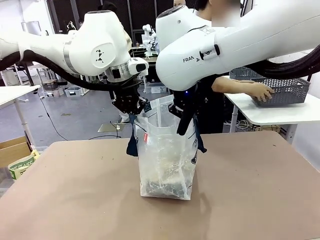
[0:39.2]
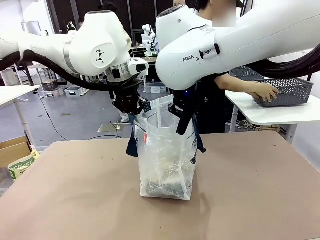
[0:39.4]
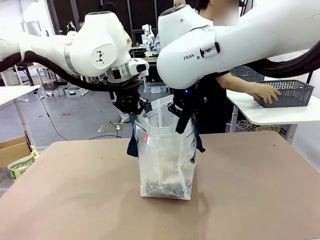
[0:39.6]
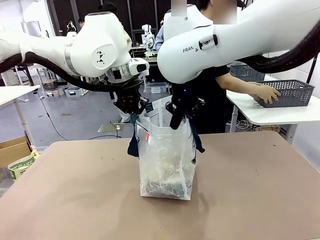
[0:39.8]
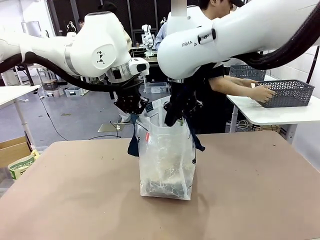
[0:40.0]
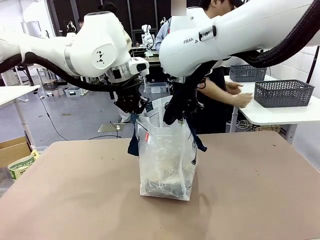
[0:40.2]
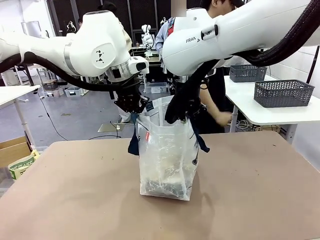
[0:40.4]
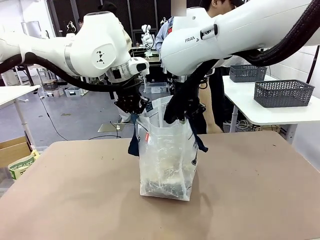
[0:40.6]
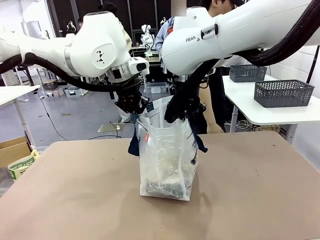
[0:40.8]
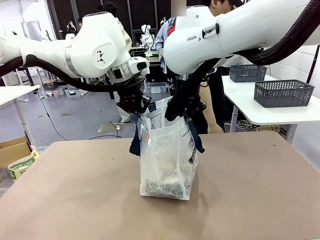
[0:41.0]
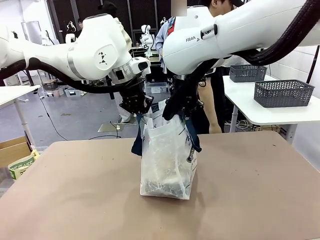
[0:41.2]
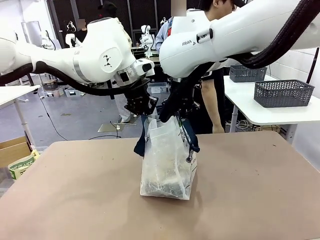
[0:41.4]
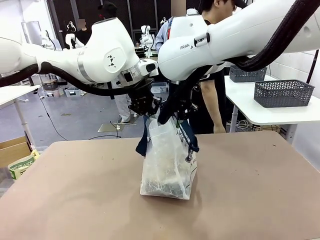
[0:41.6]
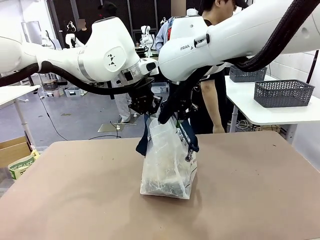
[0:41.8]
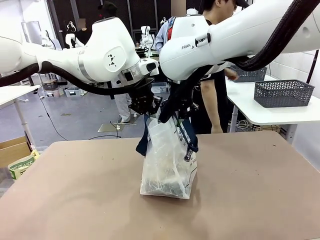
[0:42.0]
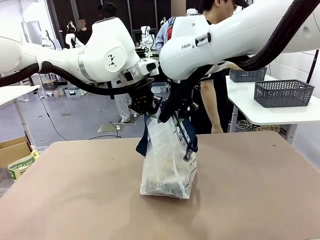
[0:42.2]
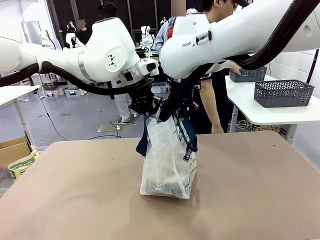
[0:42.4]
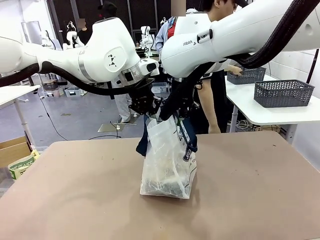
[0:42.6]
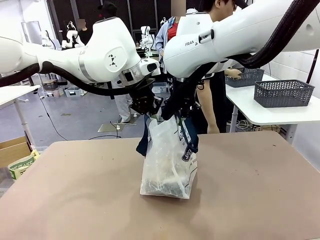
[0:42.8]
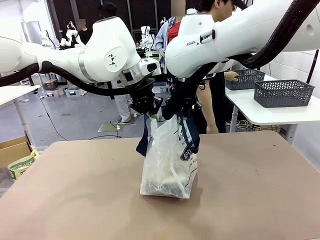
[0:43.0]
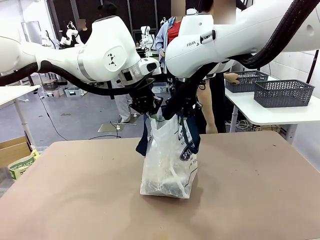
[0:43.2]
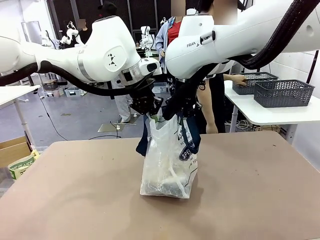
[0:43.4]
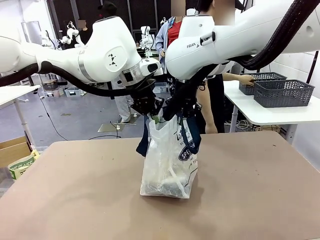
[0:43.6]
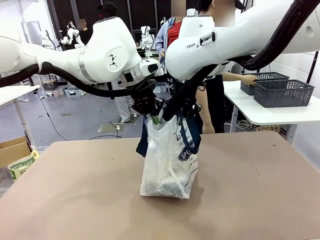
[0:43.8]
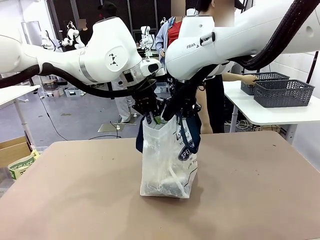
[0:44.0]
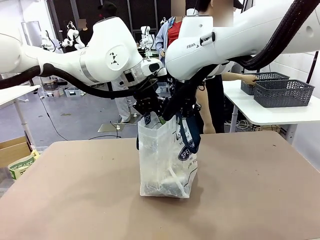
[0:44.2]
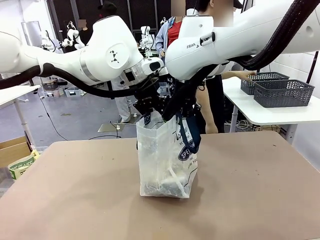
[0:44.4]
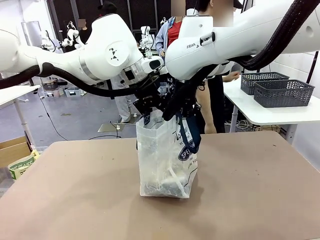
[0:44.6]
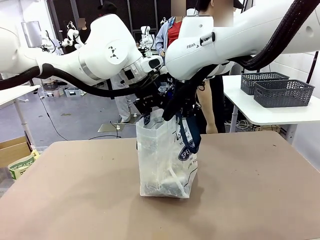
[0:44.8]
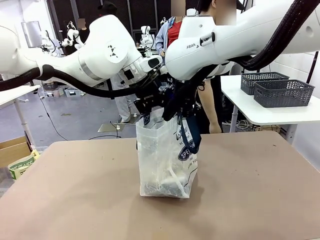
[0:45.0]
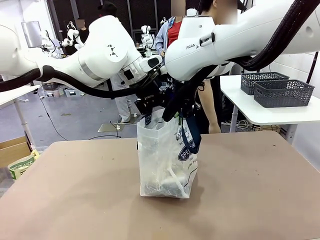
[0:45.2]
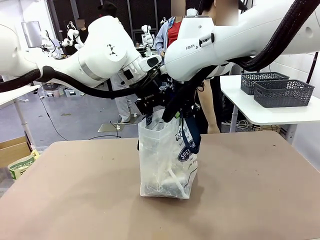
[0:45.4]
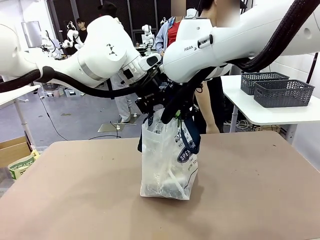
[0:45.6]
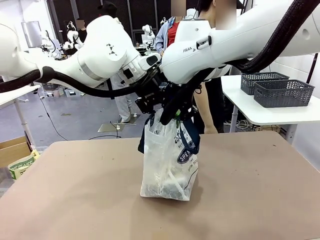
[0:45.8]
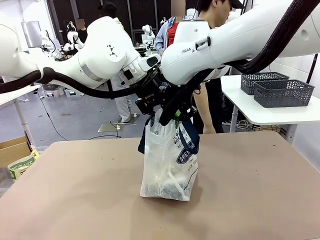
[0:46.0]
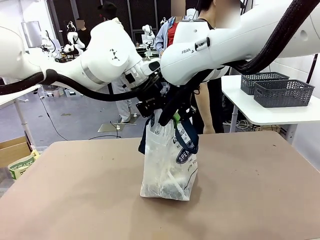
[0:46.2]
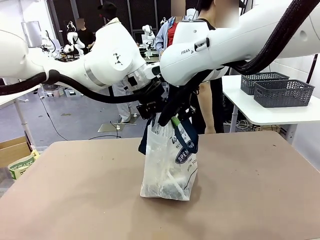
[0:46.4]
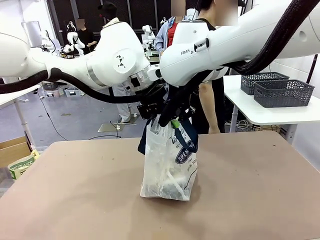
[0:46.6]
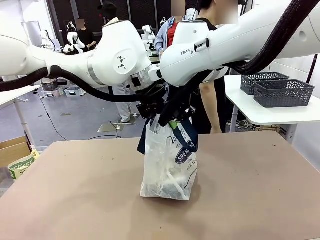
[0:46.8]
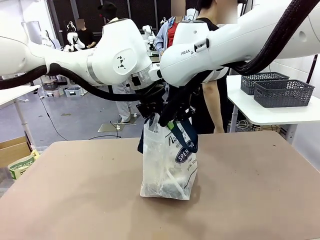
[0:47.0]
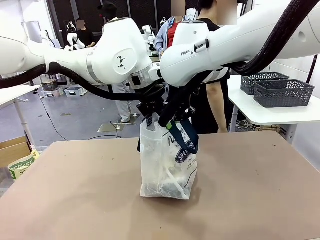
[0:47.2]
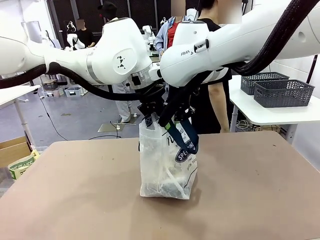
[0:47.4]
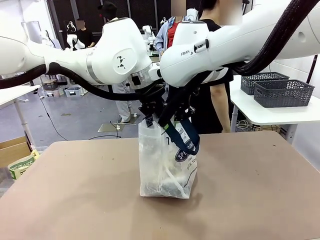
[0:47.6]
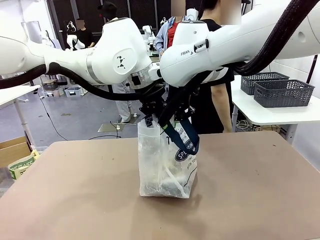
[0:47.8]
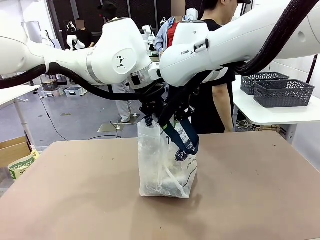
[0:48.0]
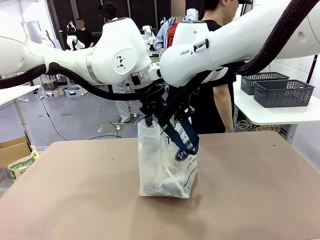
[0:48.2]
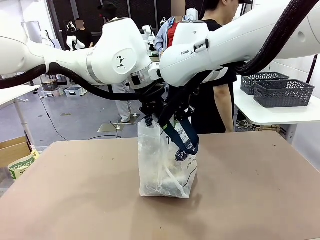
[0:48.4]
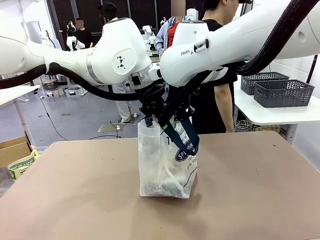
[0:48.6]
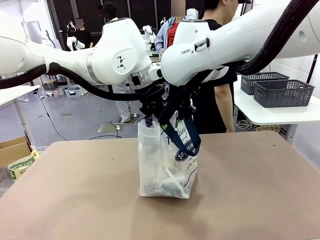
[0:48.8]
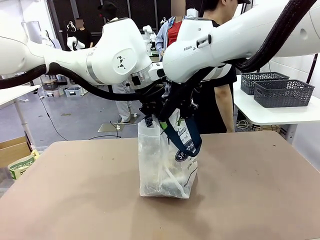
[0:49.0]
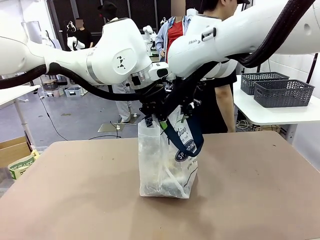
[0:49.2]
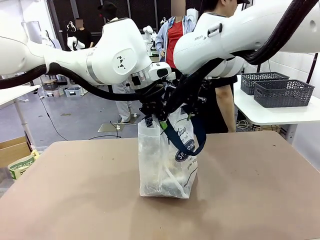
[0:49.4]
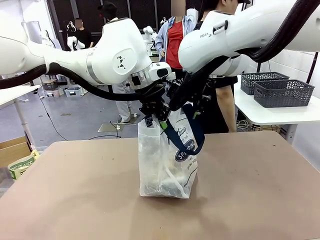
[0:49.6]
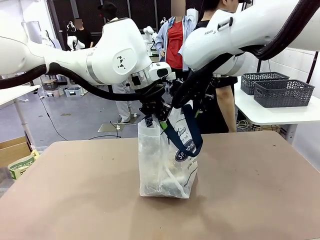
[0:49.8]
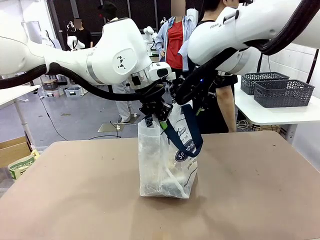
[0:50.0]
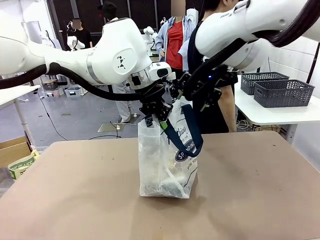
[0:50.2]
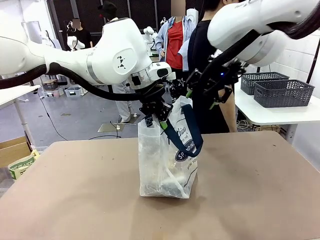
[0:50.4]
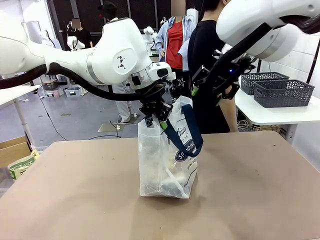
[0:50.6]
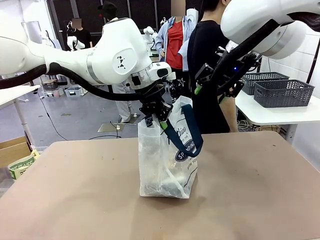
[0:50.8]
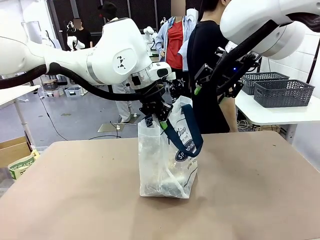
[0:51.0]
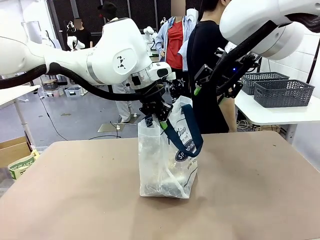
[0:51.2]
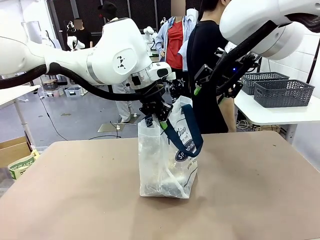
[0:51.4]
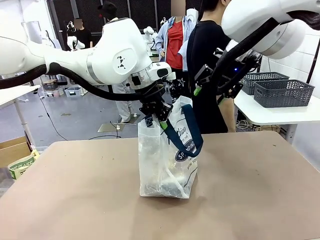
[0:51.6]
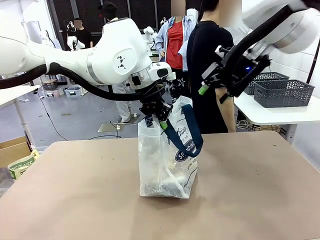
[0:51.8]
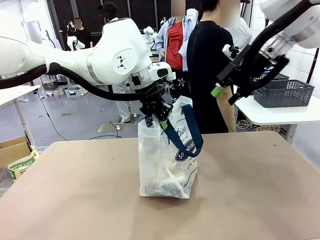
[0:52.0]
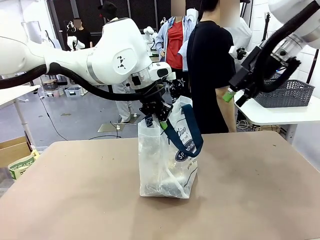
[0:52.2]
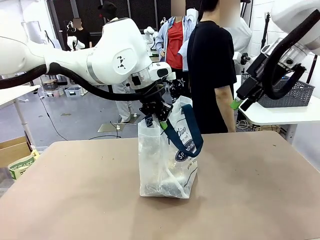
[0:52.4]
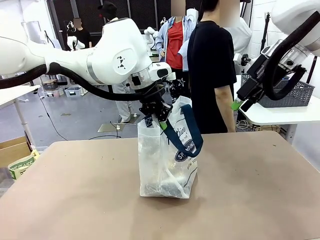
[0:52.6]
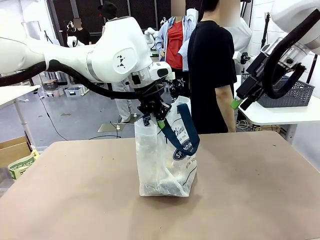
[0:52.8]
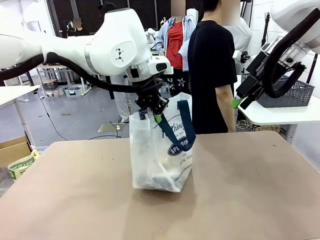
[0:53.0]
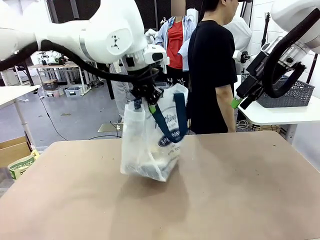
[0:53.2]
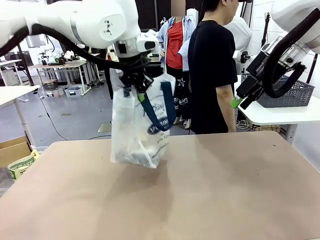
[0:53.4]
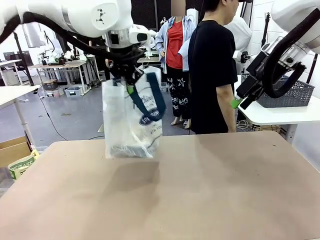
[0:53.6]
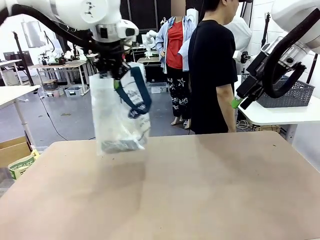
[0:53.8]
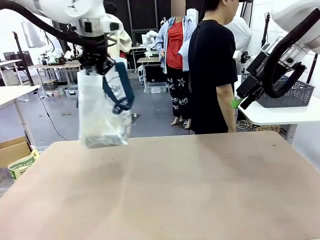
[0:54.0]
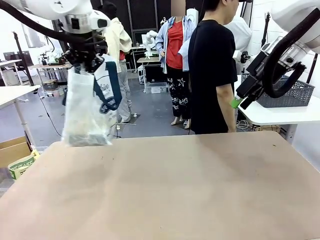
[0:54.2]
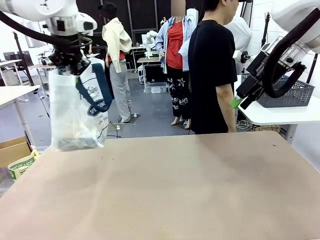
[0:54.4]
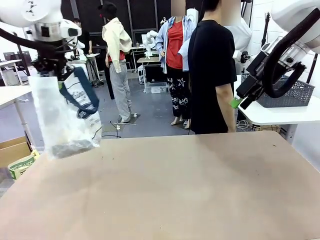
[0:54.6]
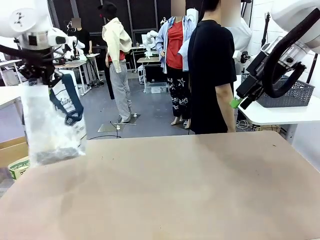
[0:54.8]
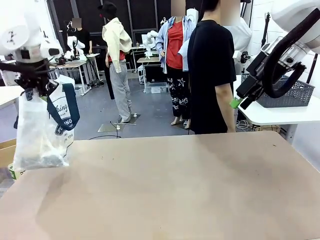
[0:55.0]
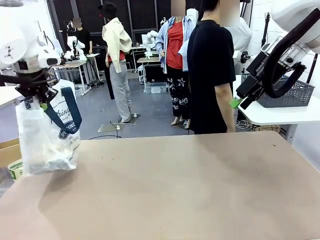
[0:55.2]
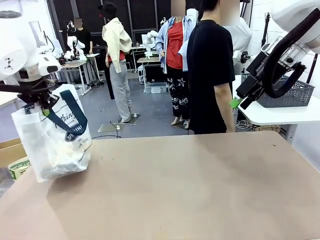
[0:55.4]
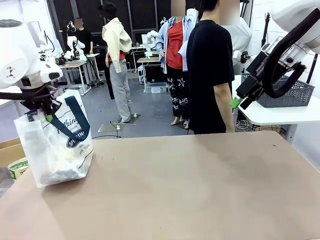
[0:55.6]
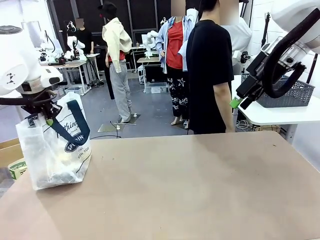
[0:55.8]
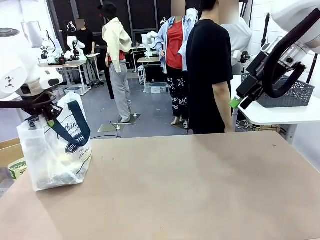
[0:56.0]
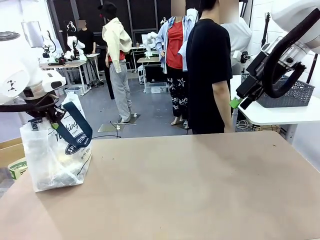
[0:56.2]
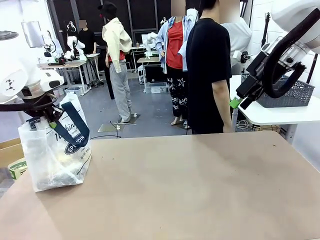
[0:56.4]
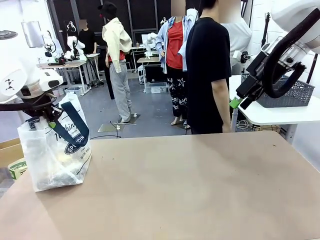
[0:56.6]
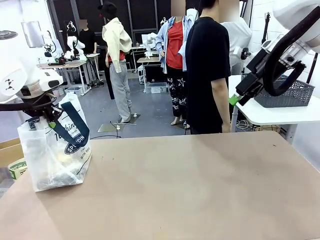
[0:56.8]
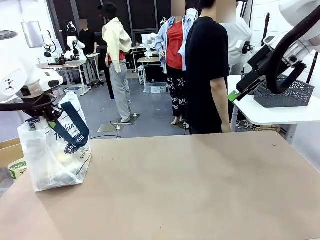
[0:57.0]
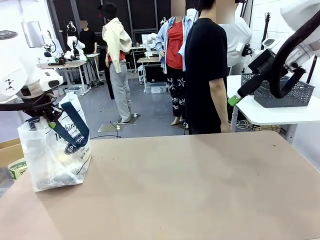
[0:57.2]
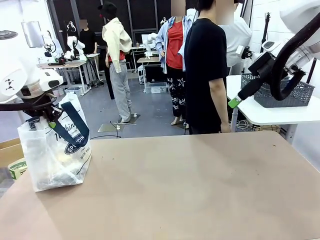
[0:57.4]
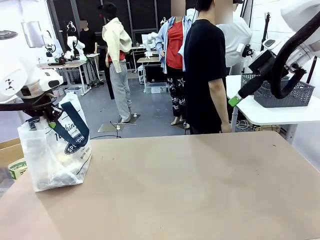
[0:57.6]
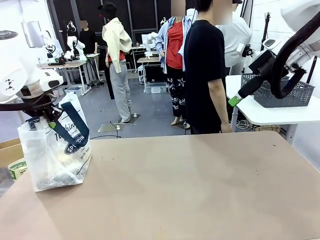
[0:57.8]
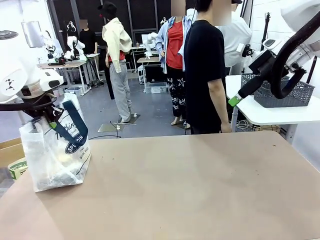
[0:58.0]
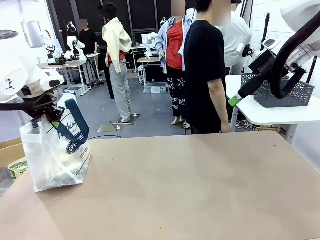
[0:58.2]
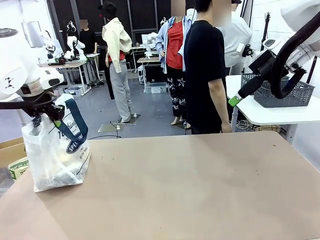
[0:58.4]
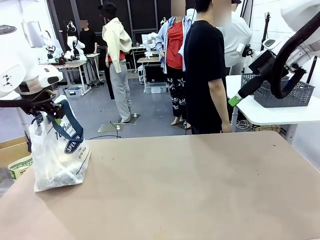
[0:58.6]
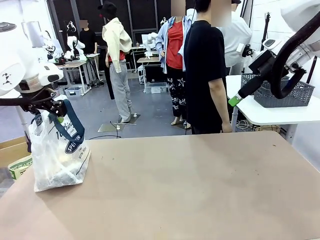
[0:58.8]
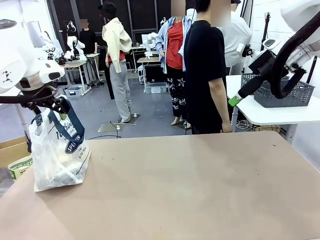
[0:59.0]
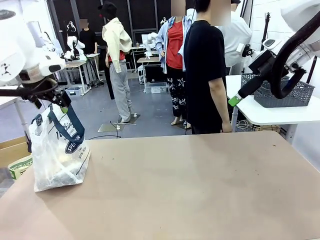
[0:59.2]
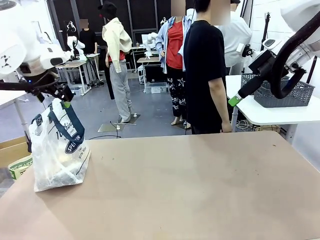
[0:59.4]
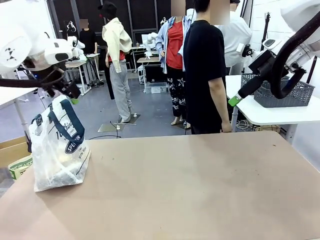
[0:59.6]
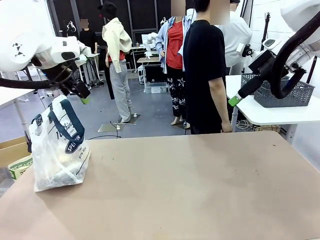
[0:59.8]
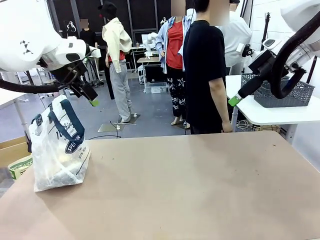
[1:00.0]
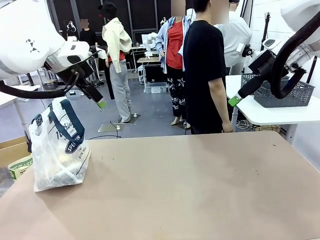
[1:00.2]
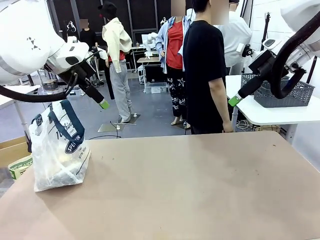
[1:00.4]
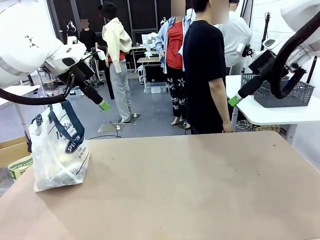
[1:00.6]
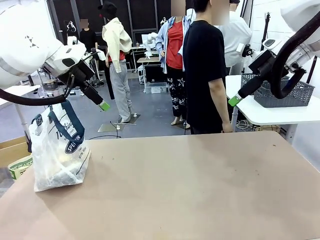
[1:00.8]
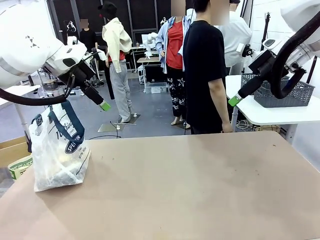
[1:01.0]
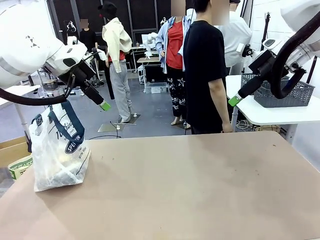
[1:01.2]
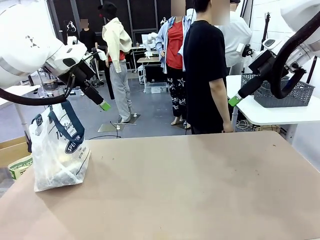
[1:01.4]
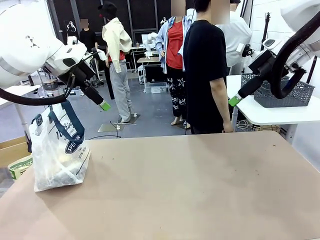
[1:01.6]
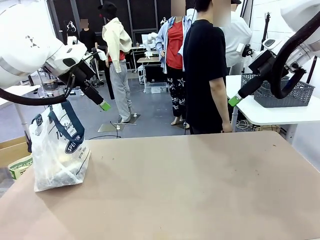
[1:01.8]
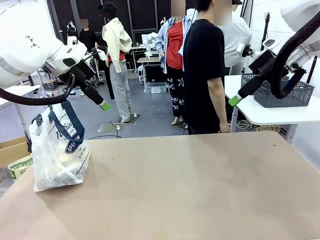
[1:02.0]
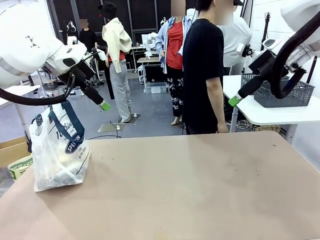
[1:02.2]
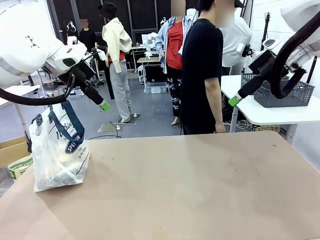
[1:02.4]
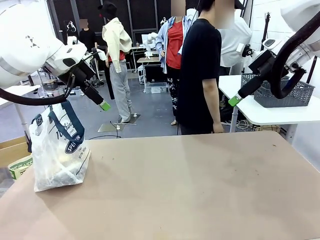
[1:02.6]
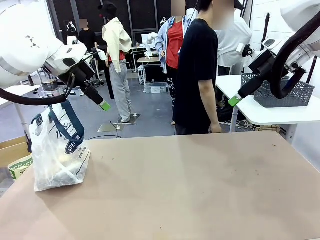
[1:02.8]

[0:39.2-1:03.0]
Task: Transfer purchased items from the store into the shopping bag.
Robot: Move the Reusable shopping bag to the right side of the table.
Person: Move the basket on the left to the middle of the person's table.
